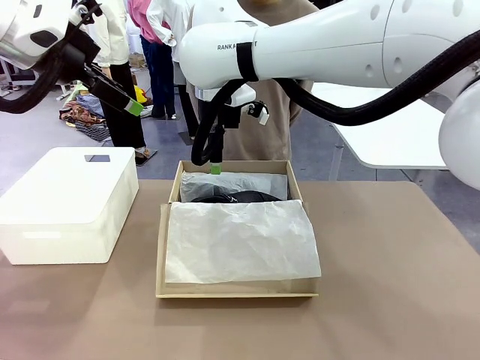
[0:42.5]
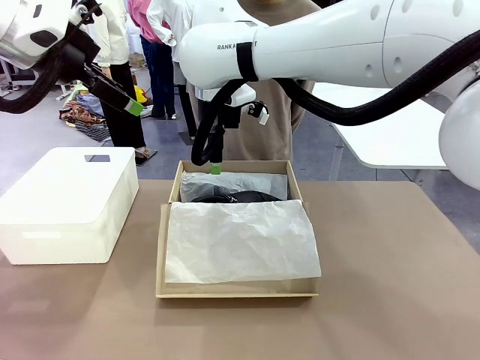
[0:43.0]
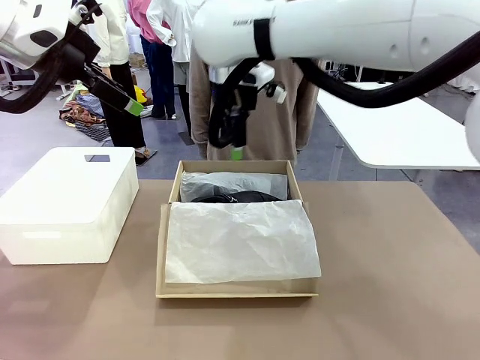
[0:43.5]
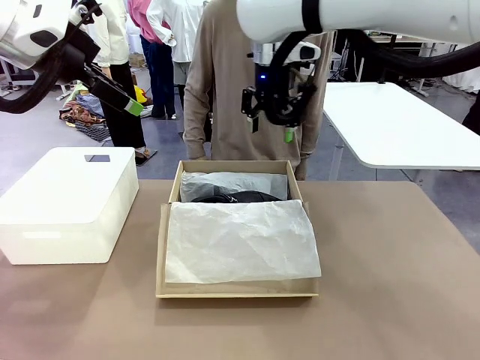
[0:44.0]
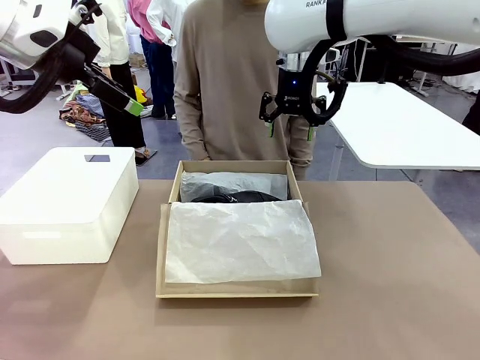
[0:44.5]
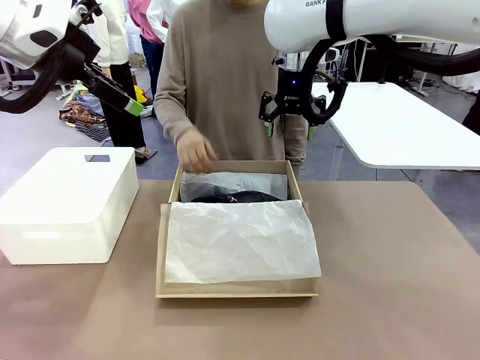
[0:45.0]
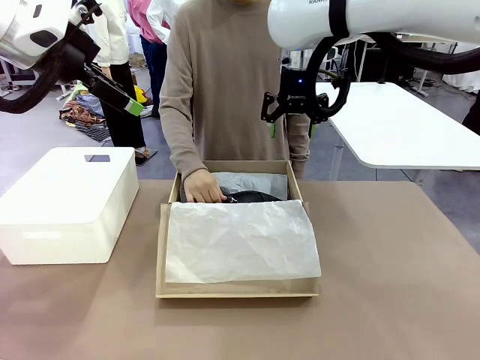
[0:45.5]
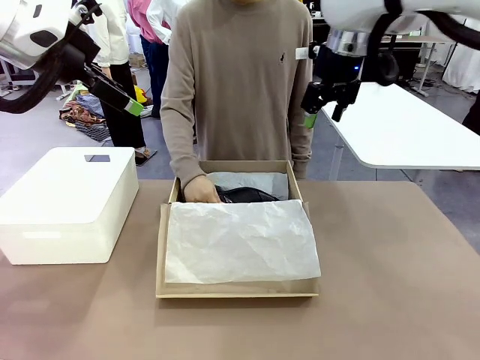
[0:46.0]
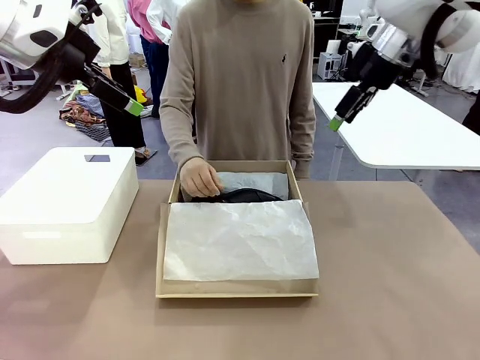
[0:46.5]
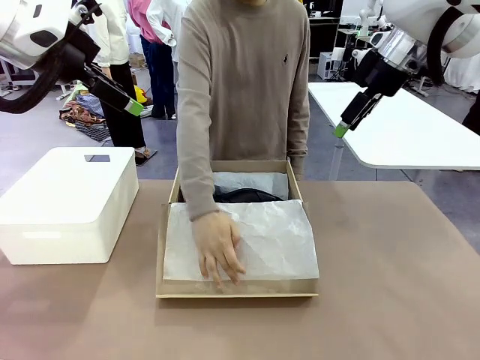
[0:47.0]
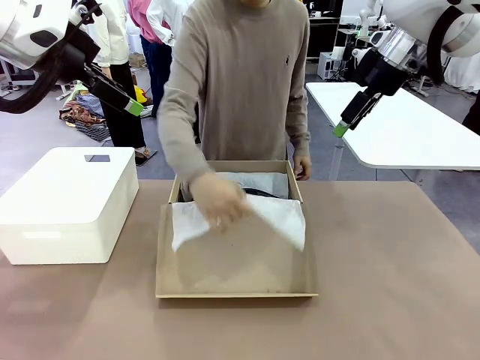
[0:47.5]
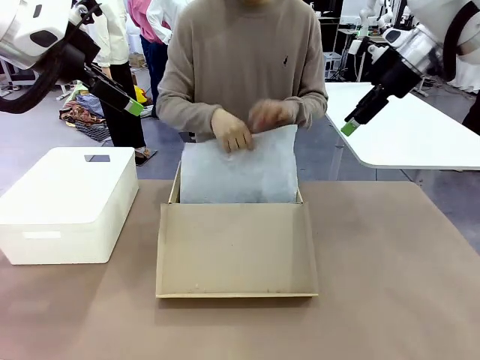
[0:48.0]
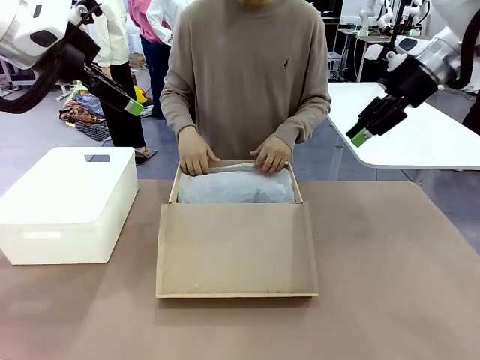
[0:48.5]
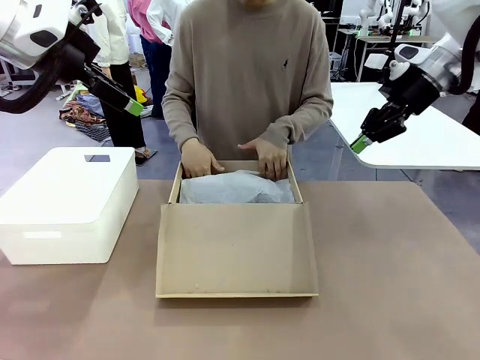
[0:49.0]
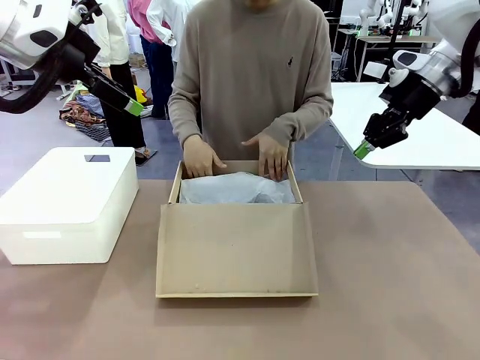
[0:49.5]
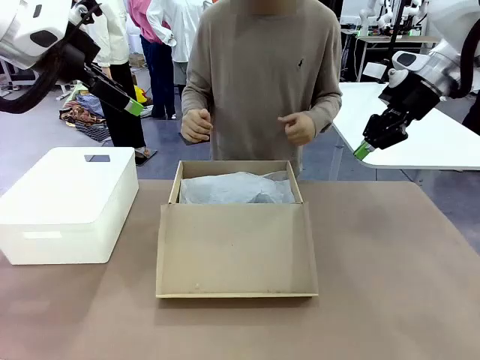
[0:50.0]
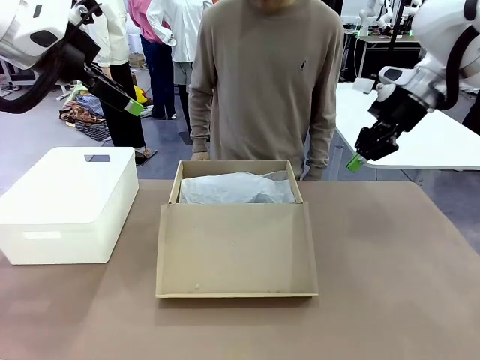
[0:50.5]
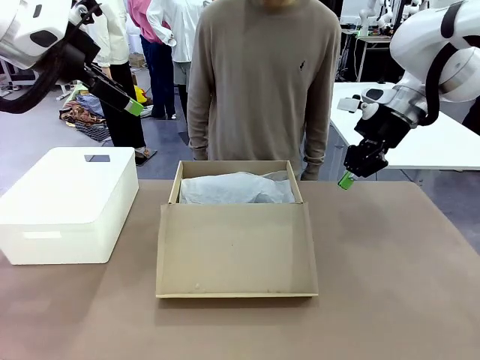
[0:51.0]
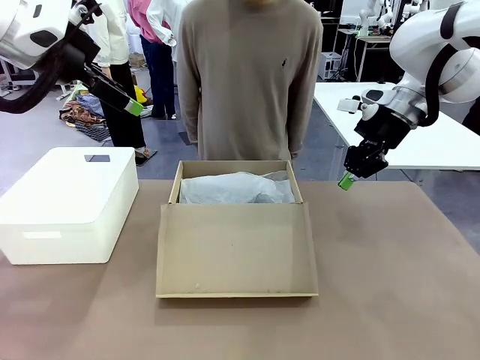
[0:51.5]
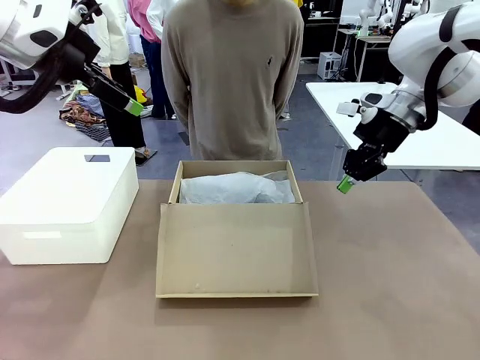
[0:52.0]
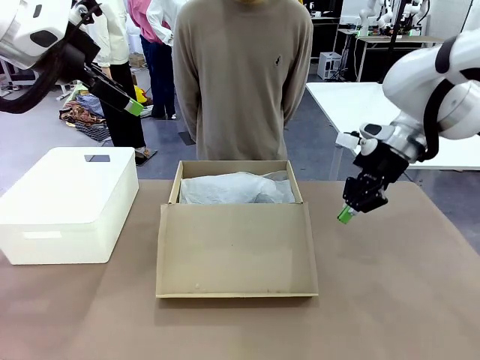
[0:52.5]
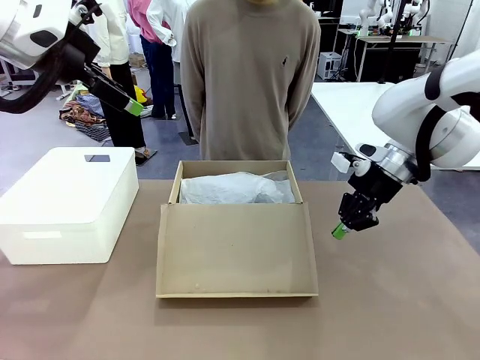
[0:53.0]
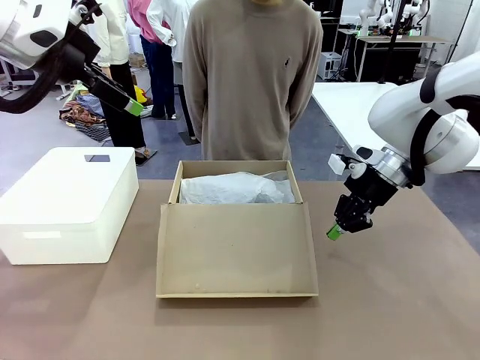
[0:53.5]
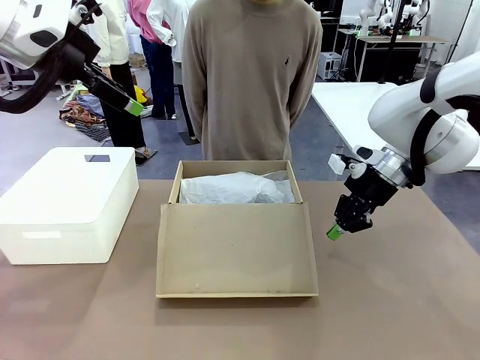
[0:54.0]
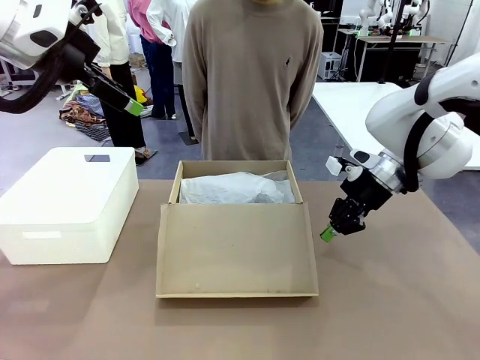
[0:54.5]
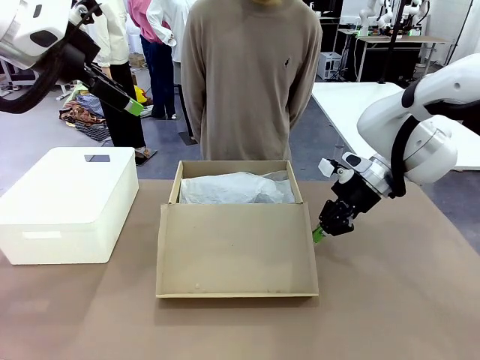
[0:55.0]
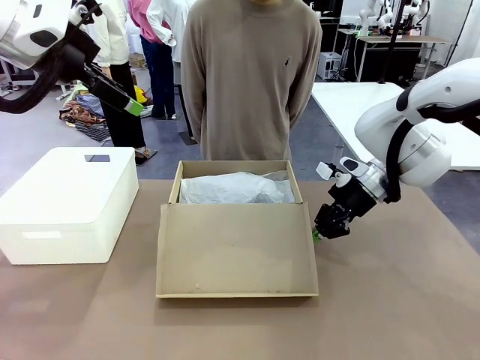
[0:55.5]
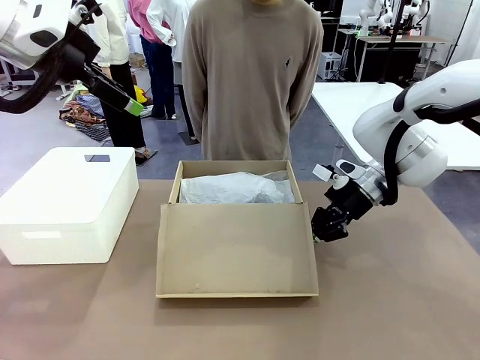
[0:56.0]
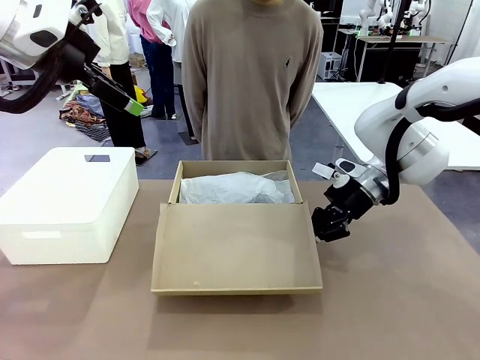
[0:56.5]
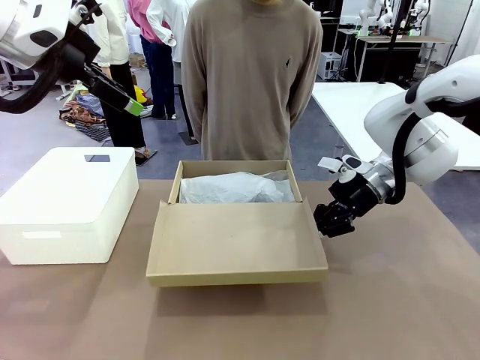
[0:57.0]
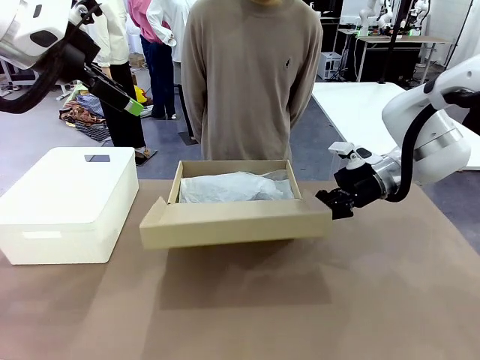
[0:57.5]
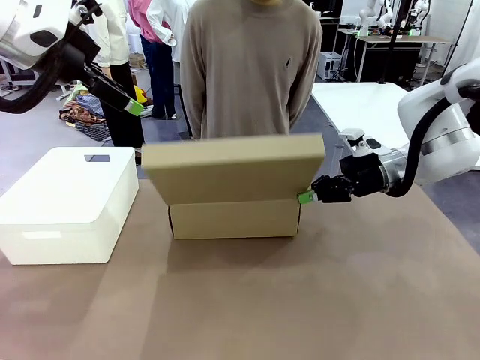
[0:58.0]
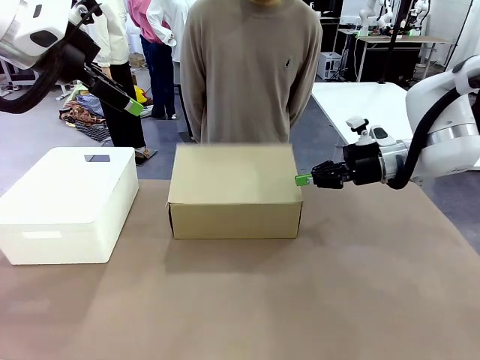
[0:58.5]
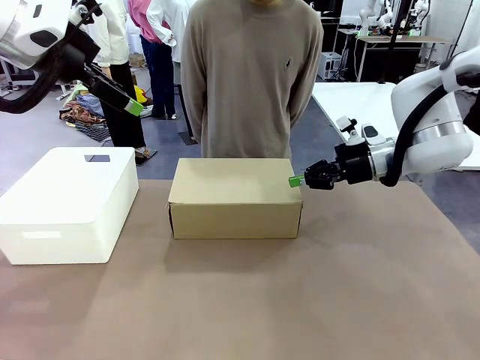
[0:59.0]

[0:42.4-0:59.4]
Task: Pack the shoes into the box.
Robot: Close the Shoes Box.
